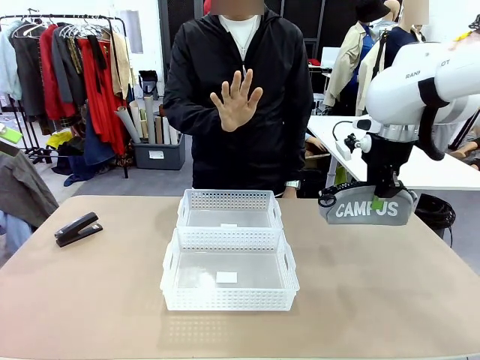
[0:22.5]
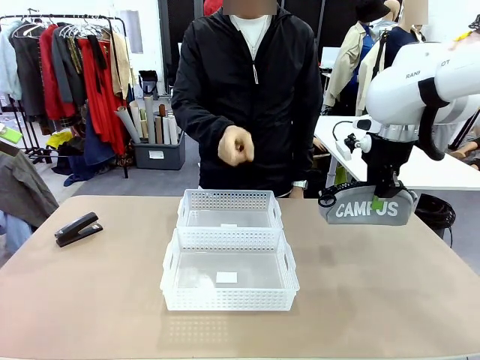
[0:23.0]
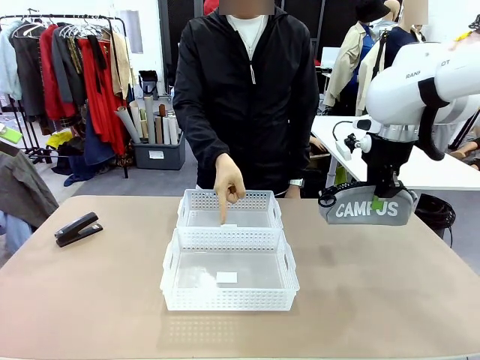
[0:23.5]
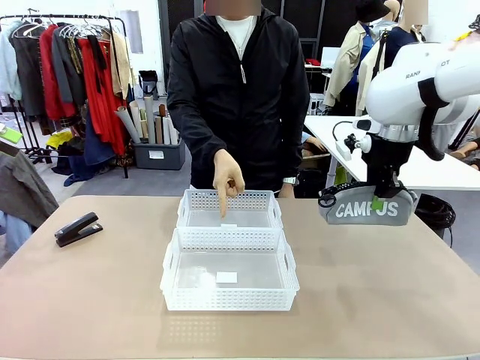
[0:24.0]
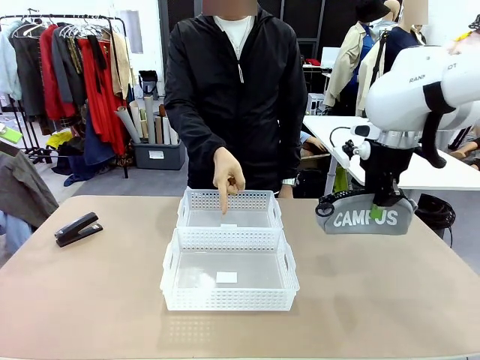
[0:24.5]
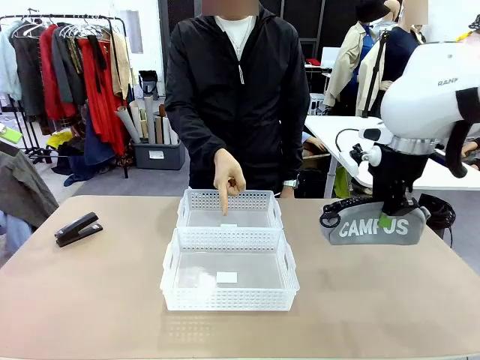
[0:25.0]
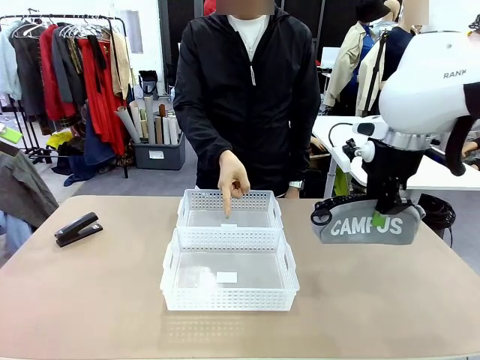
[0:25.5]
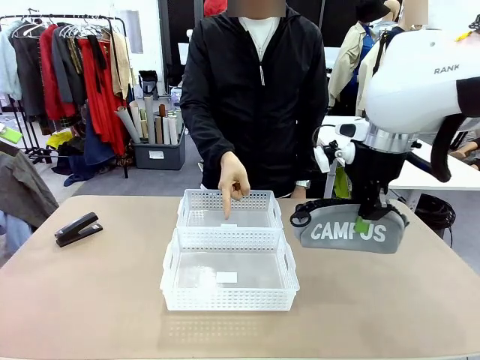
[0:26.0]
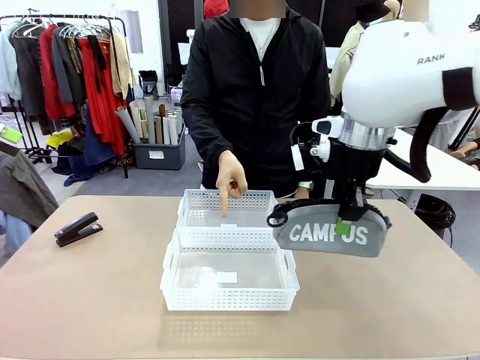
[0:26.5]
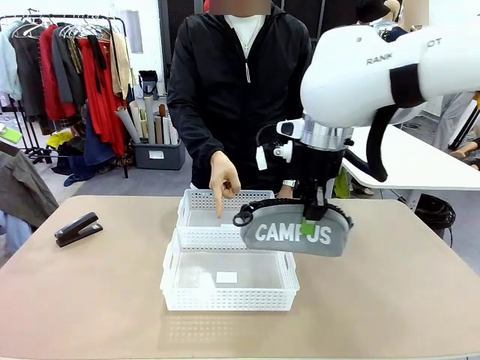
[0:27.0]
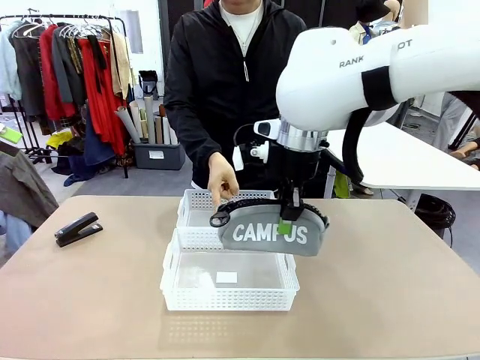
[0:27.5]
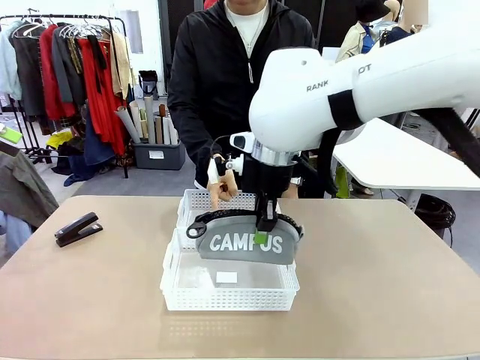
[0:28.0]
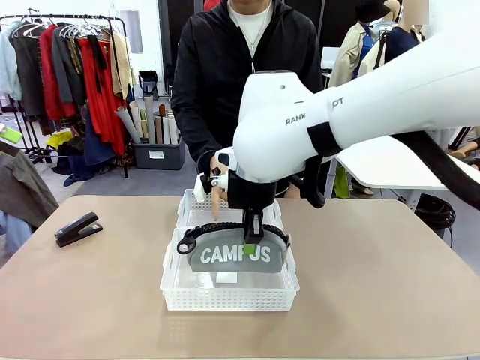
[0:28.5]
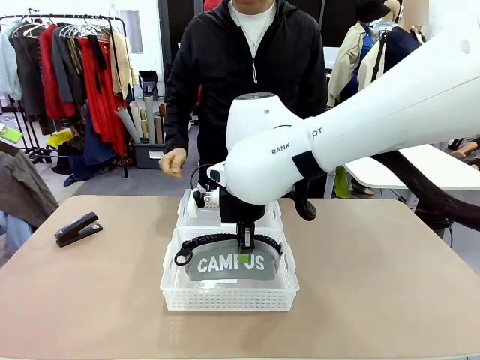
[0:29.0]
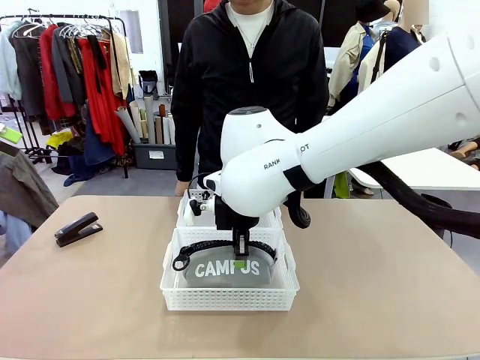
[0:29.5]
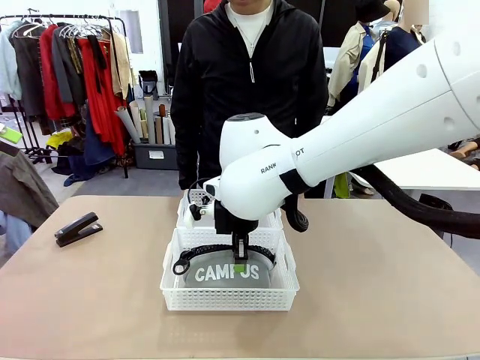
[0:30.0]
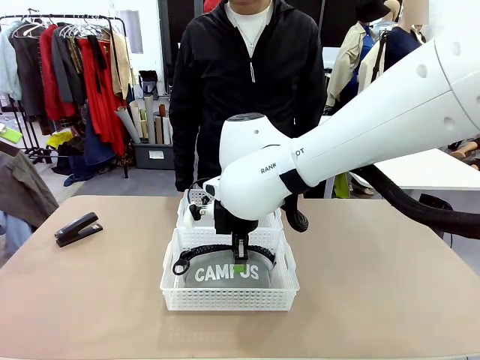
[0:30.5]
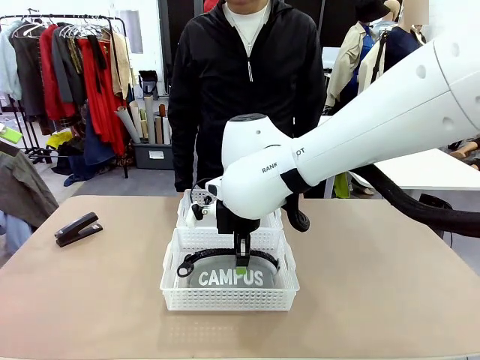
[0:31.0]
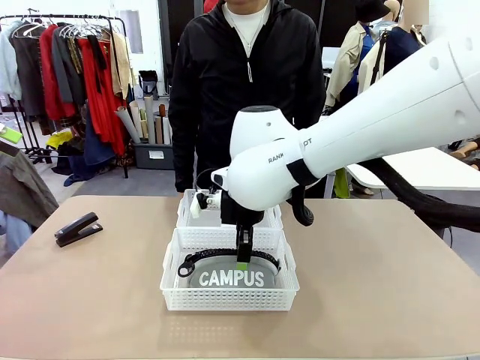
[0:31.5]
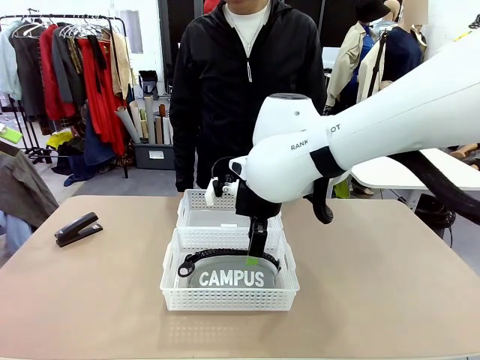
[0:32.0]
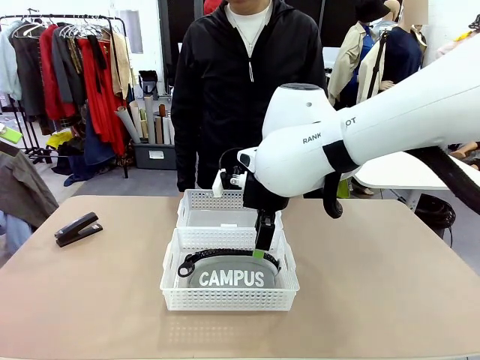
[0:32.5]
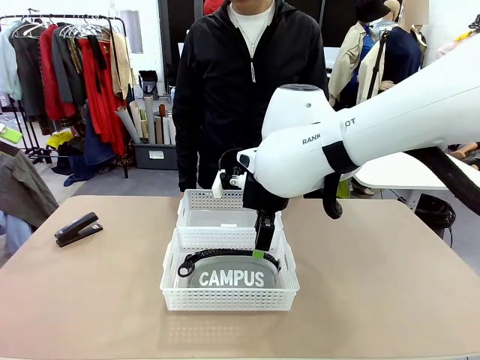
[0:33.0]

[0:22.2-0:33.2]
Task: Distribute items into two baskets.
Robot: Place the picked Pencil pouch into the Organizing basket as instructed by the person.
Person: Instructs the robot to place the pencil case into the opposite basket. Points to the stapler.

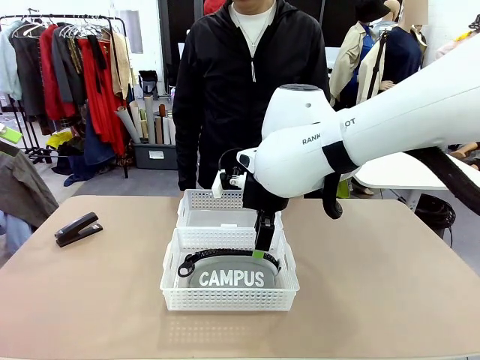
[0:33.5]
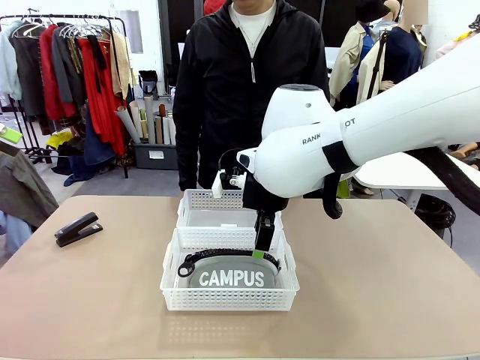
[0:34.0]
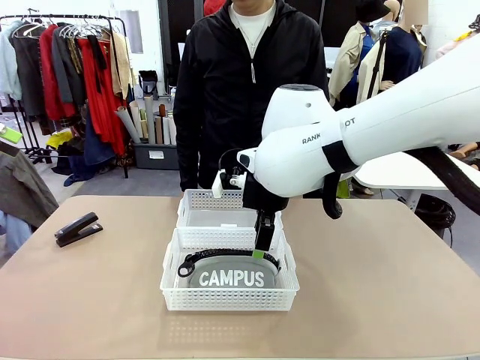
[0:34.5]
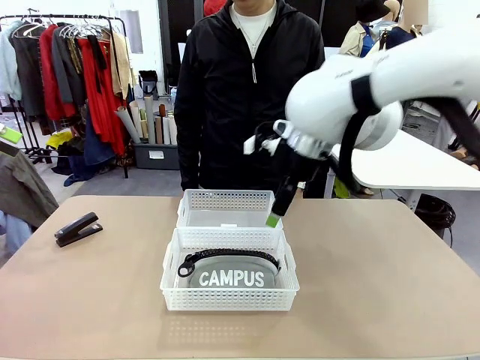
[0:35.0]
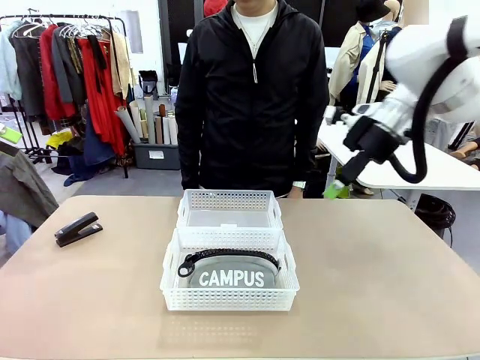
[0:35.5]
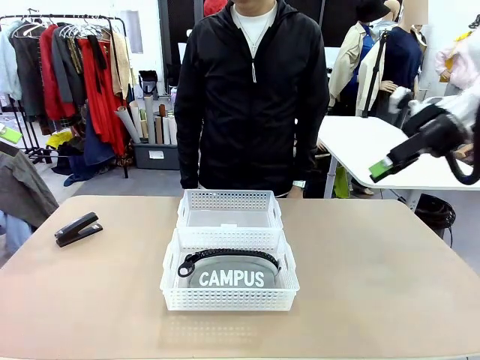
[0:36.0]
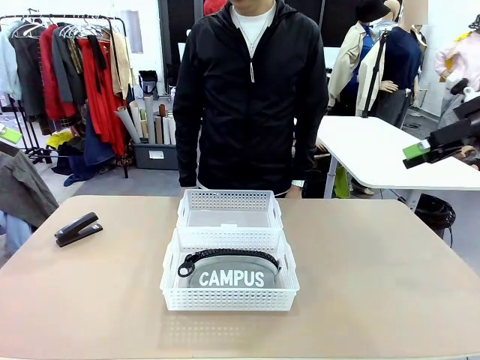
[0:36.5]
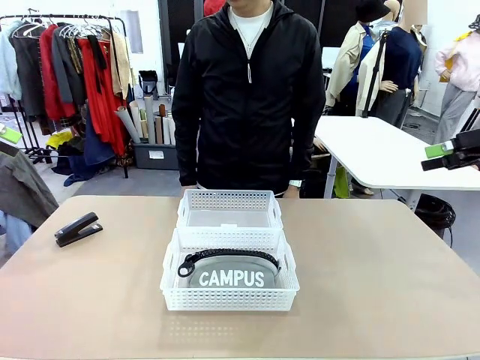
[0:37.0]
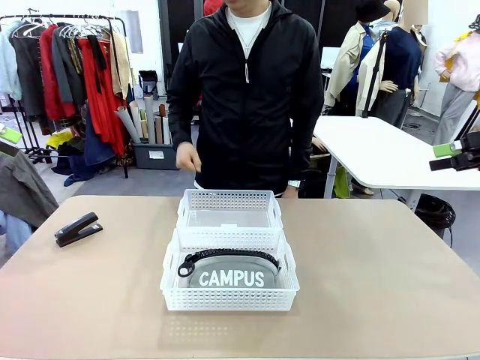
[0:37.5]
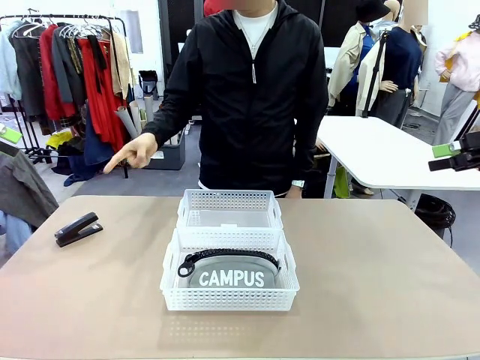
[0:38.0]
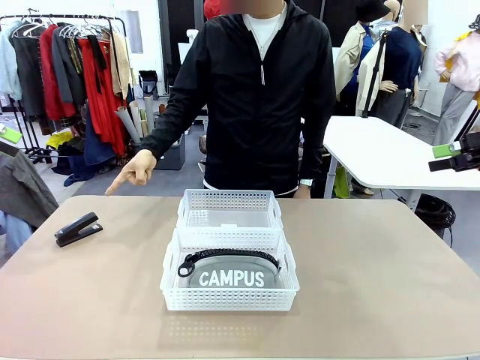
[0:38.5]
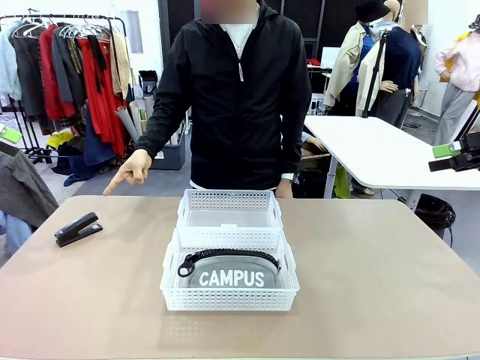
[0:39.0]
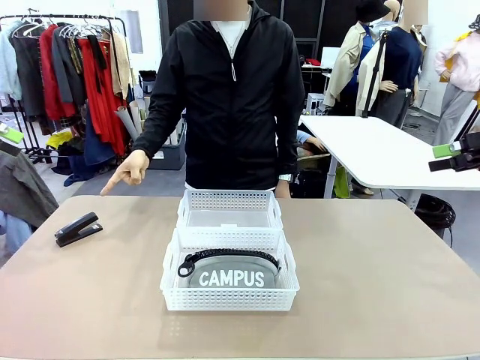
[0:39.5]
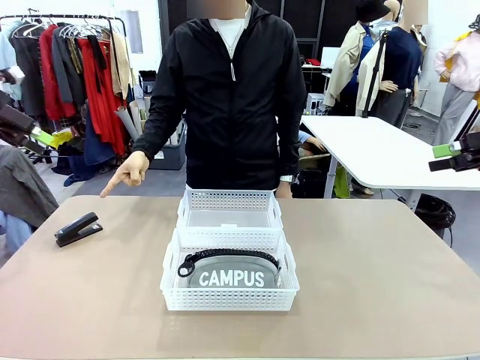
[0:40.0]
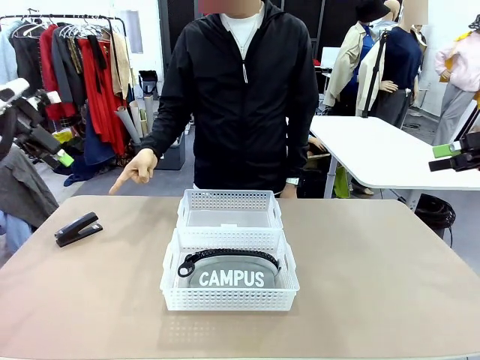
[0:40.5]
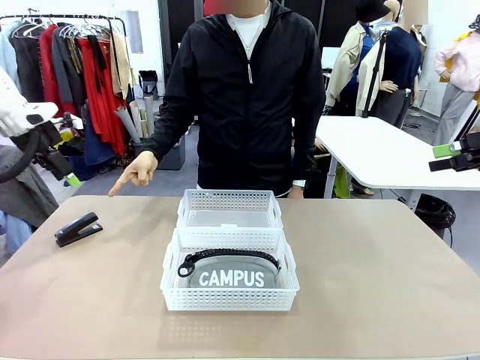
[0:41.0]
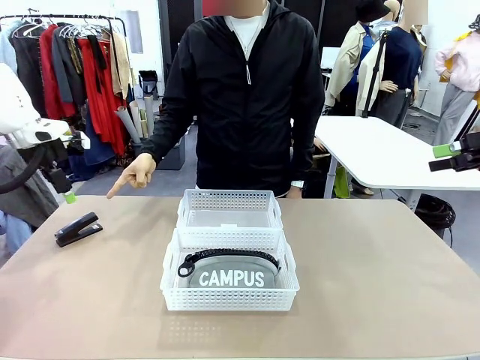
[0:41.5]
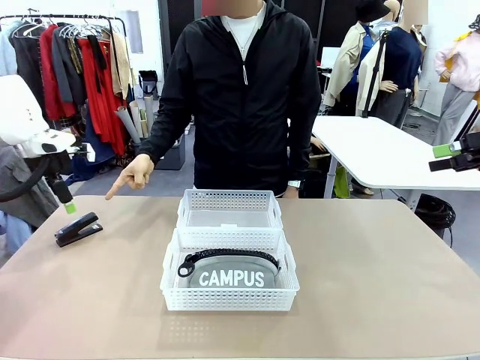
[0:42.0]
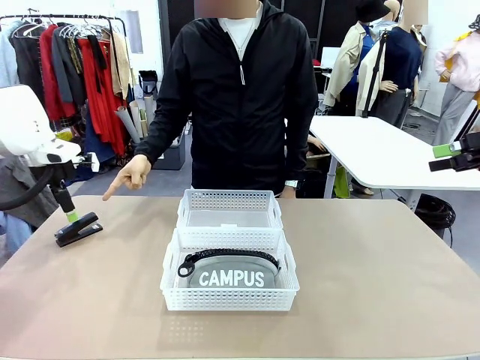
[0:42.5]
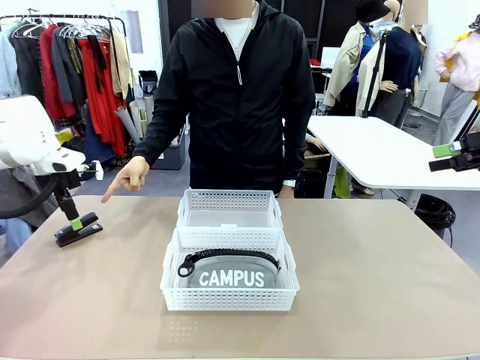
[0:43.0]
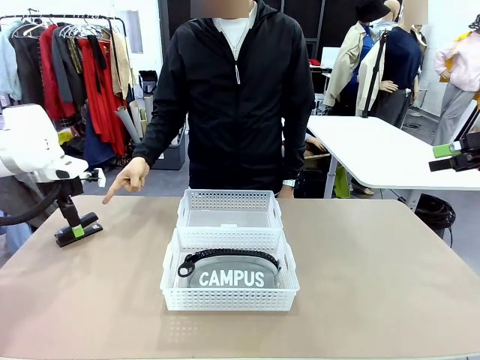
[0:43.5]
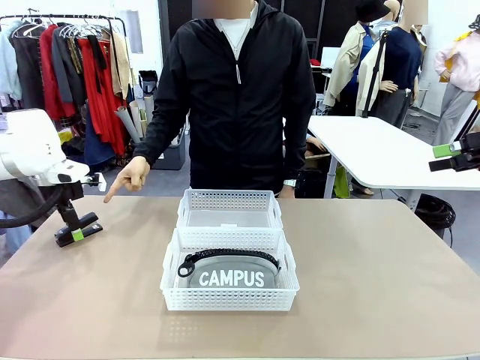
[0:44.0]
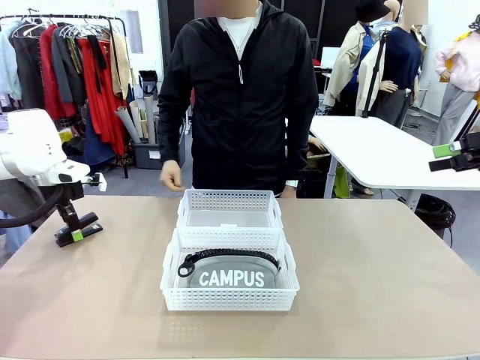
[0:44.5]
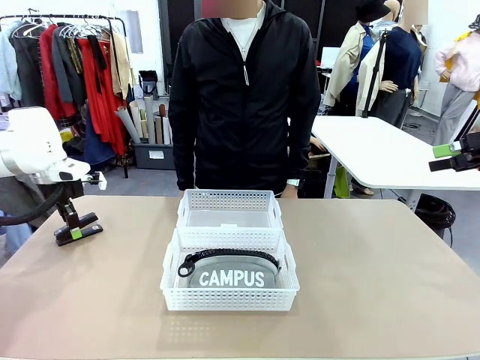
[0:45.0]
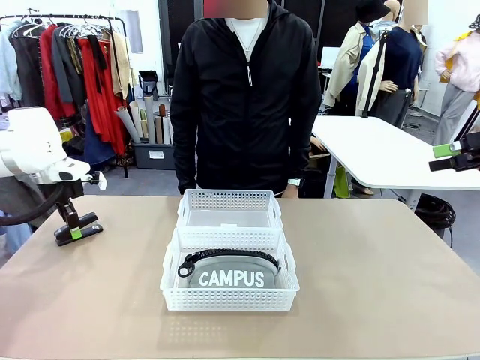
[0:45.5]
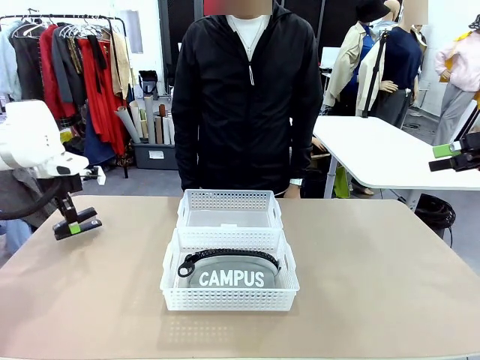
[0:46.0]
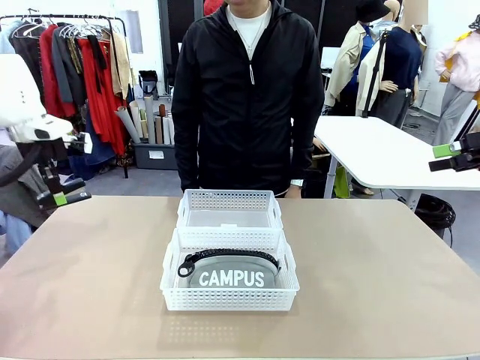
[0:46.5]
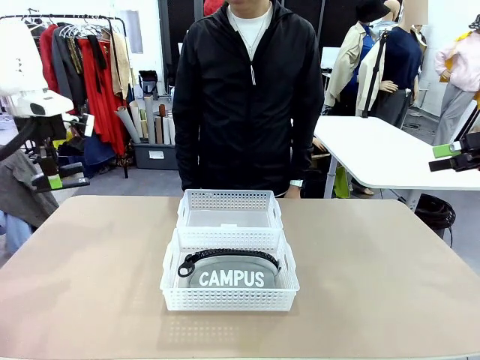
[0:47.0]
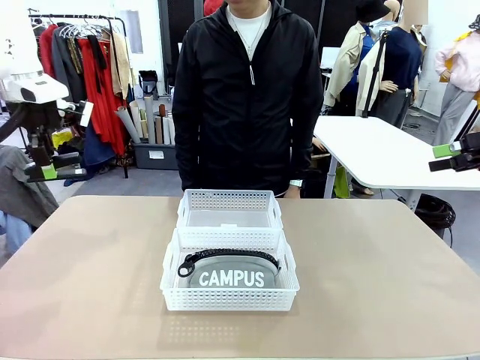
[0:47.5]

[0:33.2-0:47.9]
Robot: Pick up the Stapler that the person points to.
